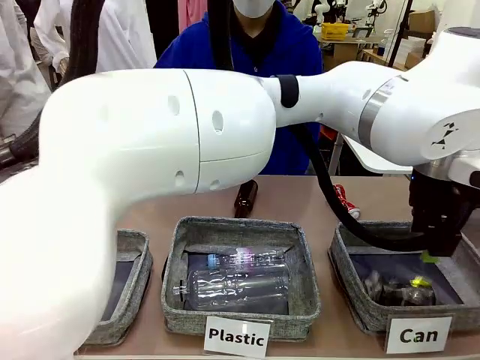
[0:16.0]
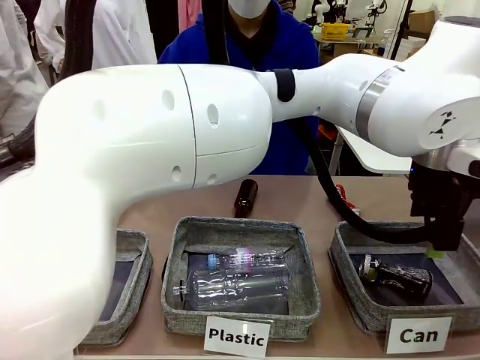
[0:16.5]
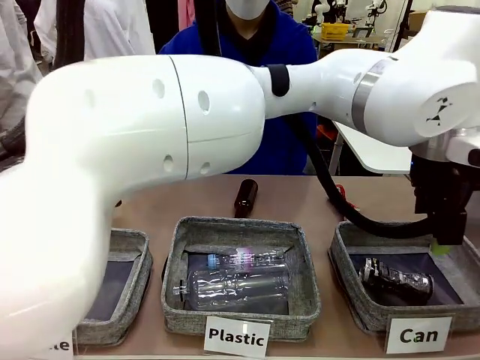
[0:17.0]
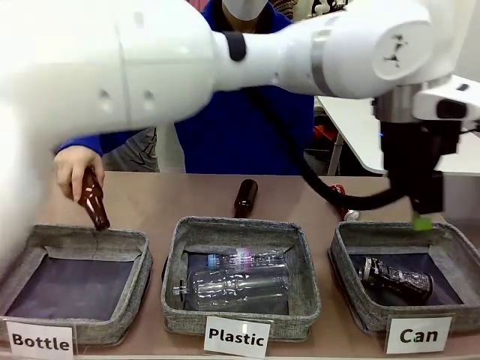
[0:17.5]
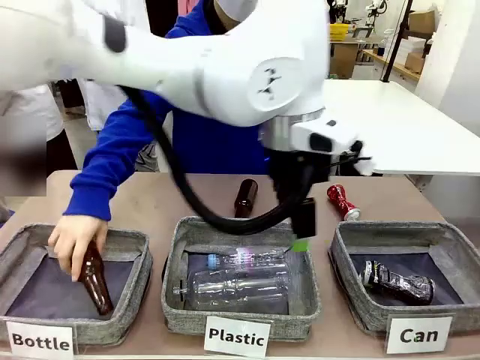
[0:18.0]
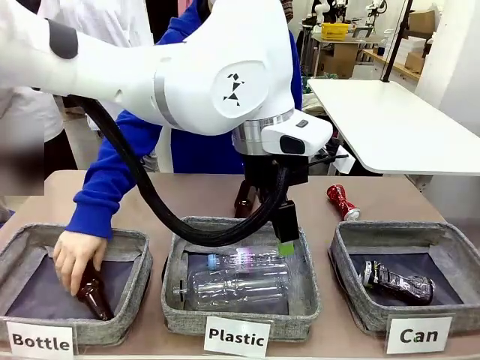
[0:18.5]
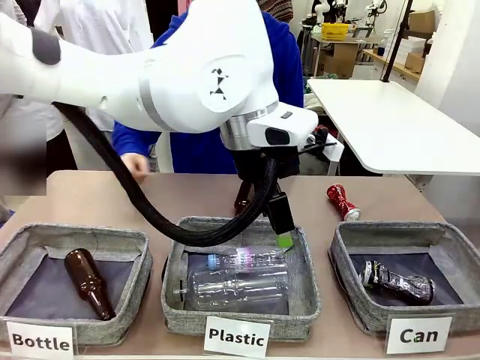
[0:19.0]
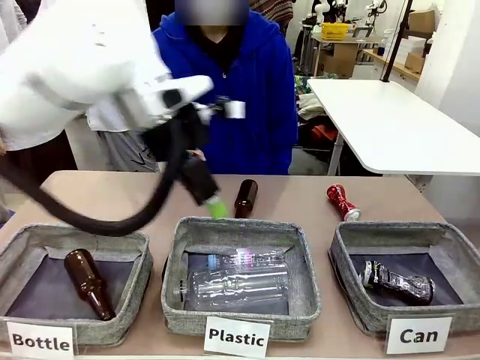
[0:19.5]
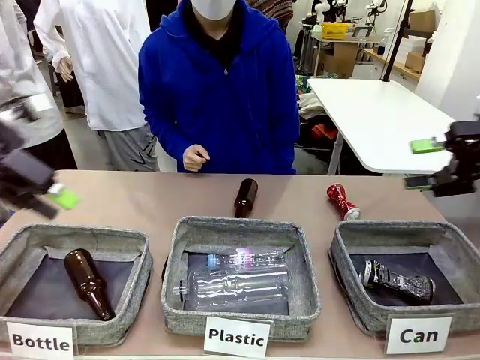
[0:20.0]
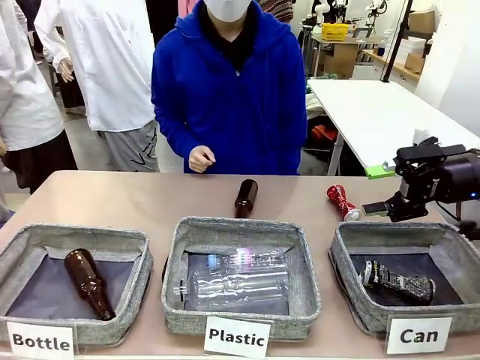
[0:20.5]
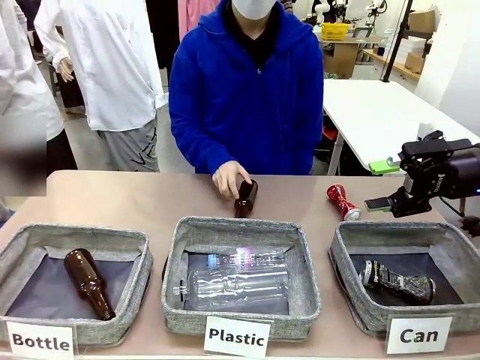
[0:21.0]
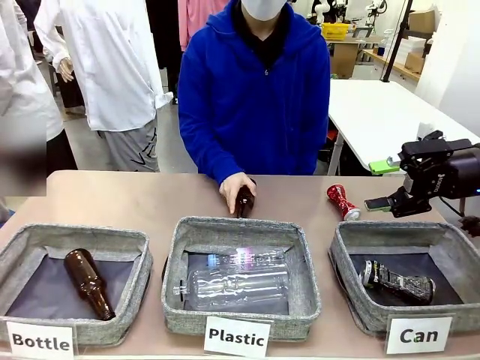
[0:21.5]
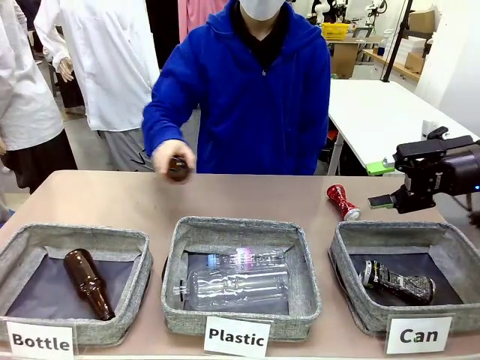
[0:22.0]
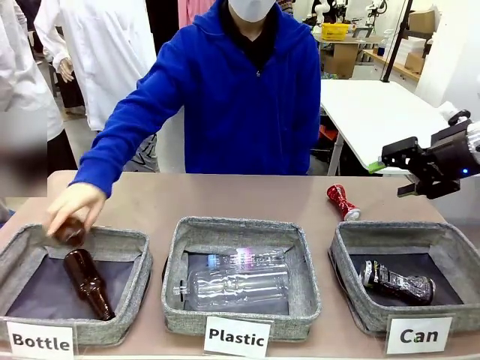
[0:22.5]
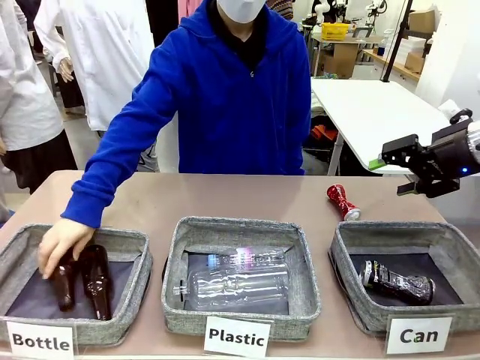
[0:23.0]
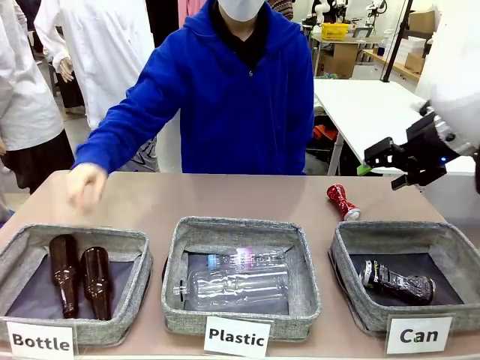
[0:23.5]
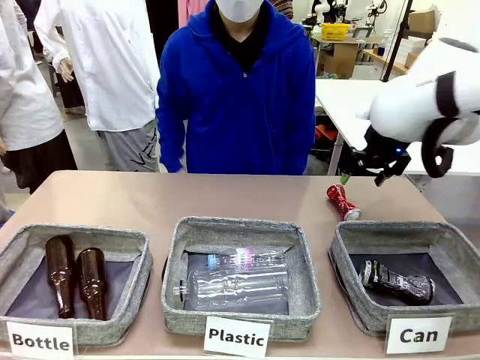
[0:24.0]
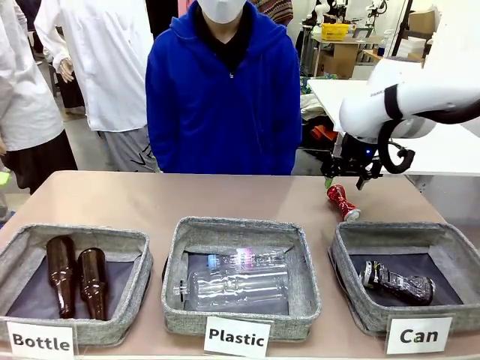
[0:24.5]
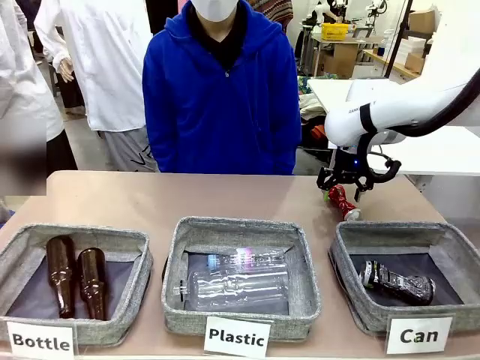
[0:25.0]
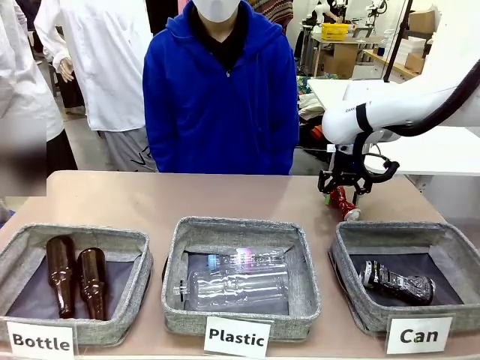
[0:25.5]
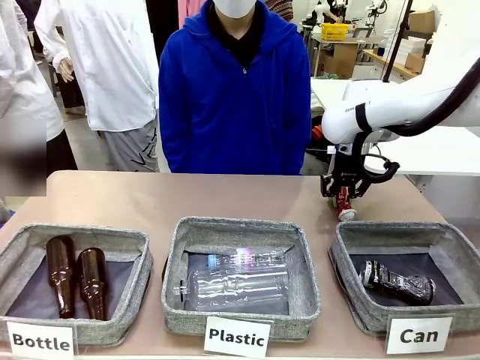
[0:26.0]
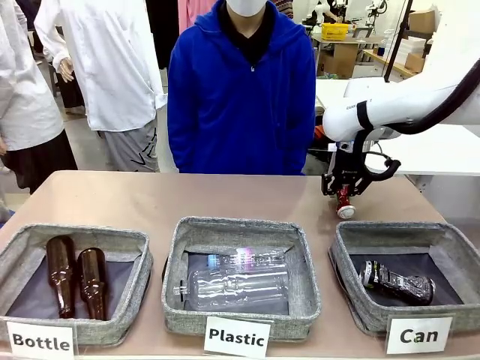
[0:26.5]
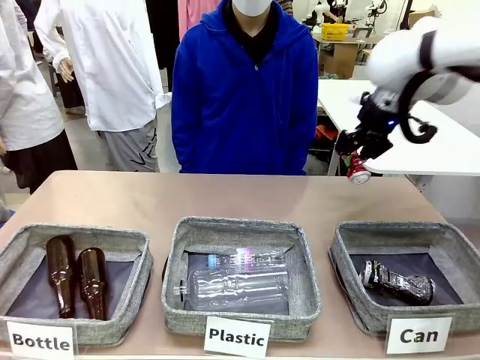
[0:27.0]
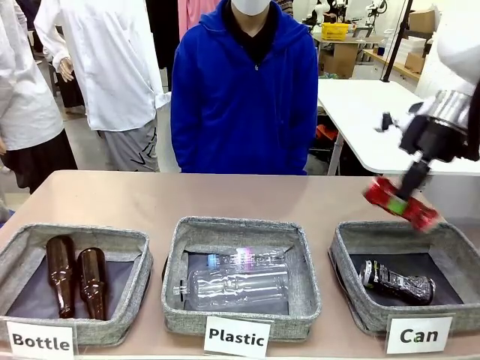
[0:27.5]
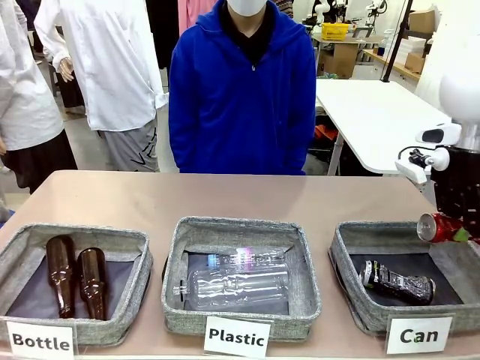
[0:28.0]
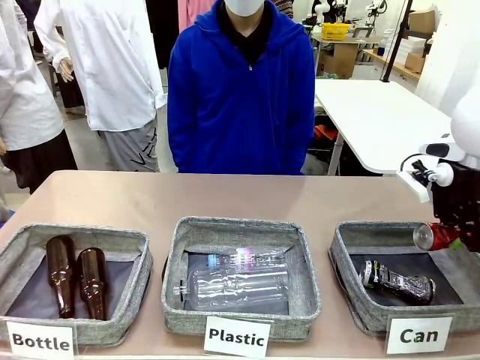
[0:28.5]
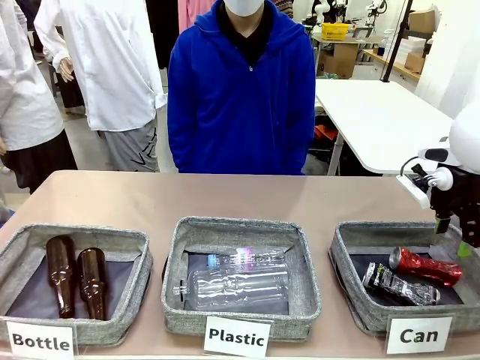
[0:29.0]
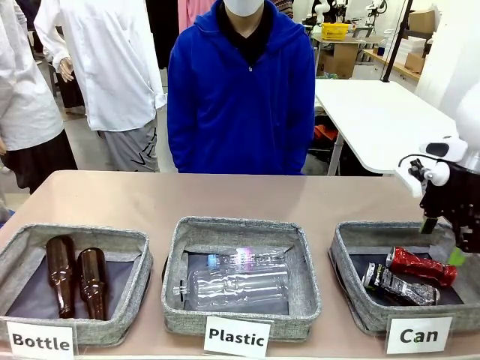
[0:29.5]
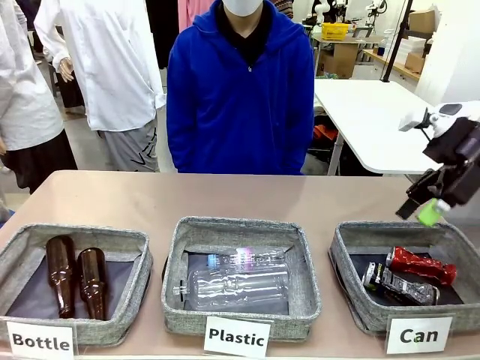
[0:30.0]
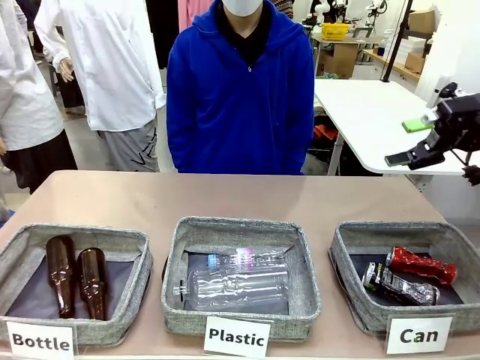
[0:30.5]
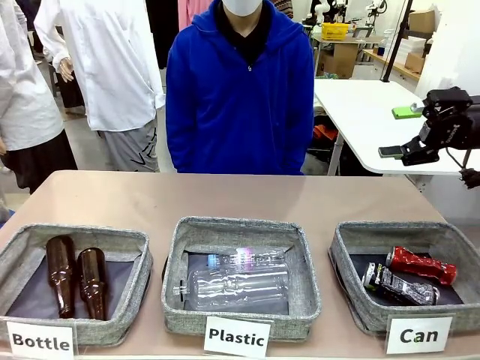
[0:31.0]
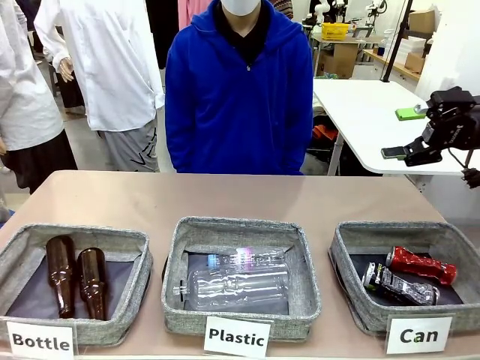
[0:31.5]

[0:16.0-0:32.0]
Task: Sort the can waste into the basket.
Robot: Pick up the can waste from the table and place it in the right Fabric basket.

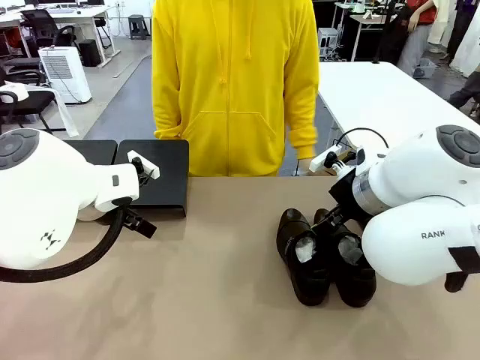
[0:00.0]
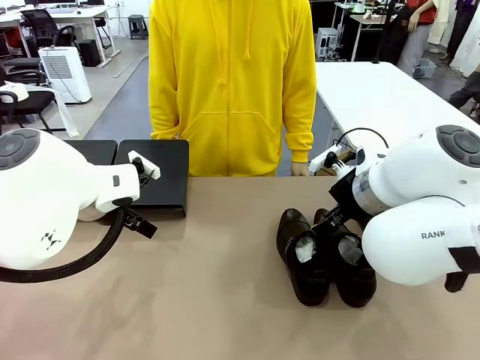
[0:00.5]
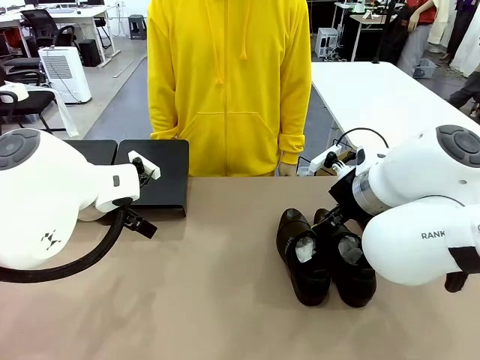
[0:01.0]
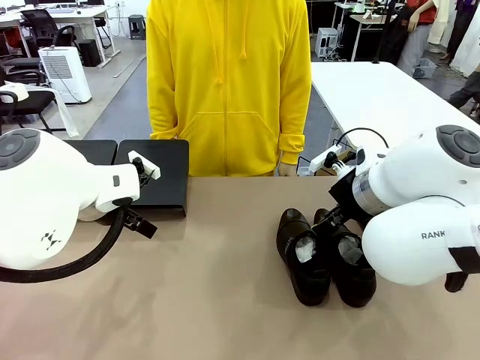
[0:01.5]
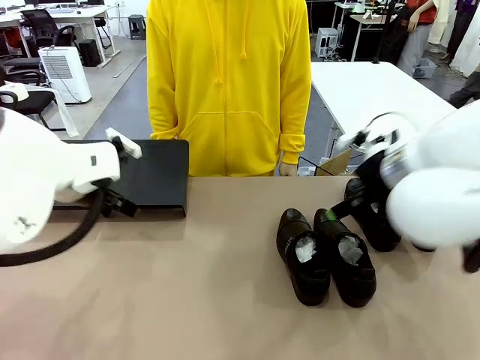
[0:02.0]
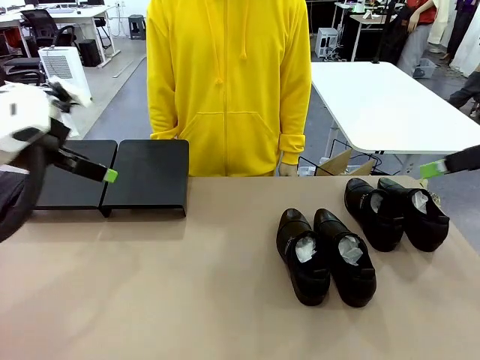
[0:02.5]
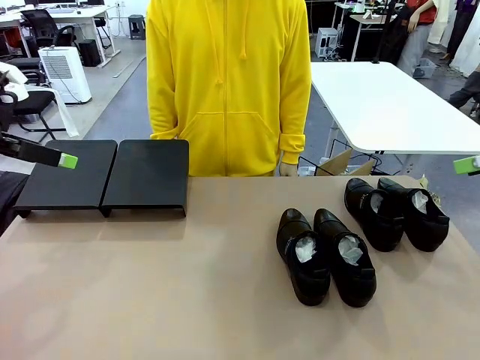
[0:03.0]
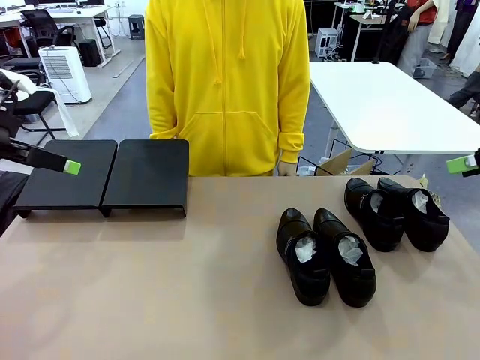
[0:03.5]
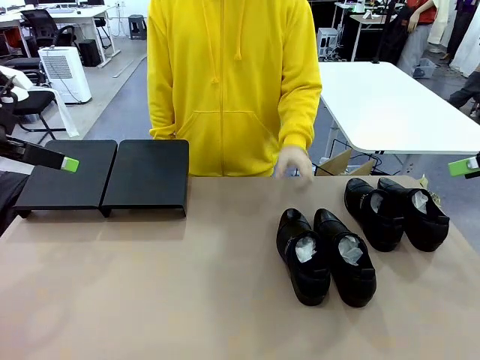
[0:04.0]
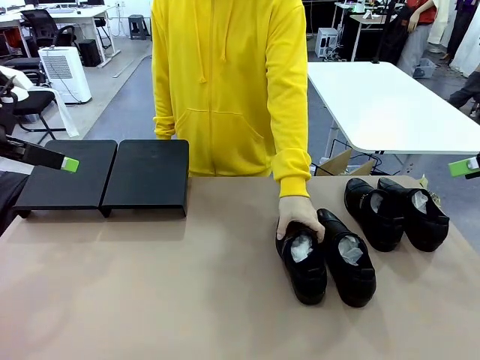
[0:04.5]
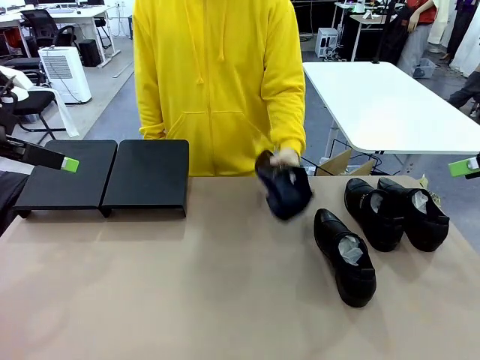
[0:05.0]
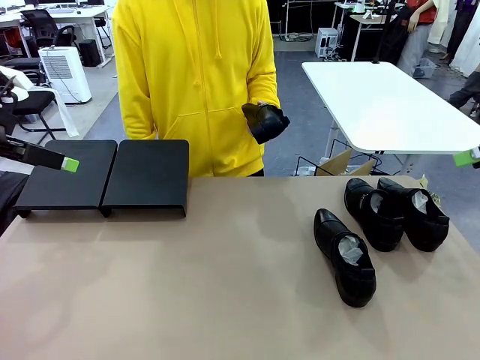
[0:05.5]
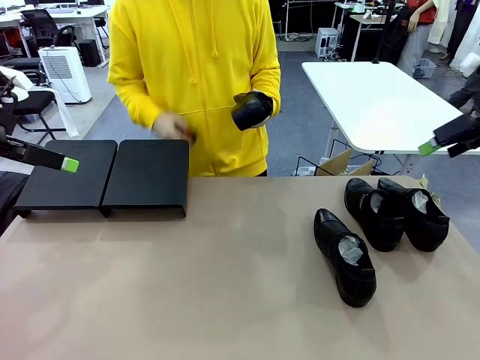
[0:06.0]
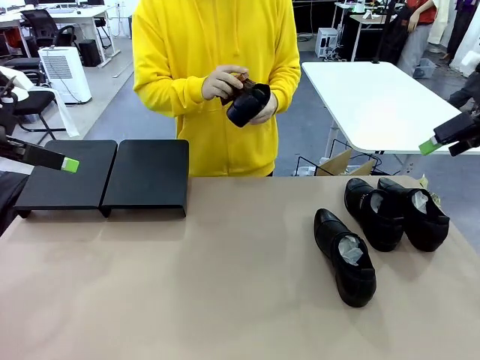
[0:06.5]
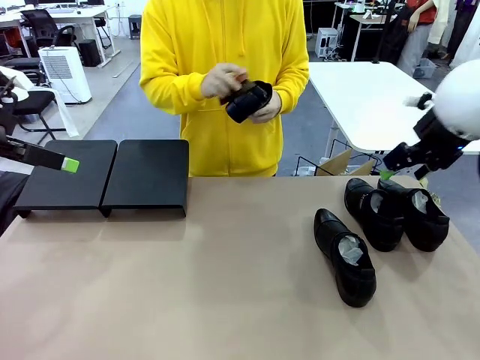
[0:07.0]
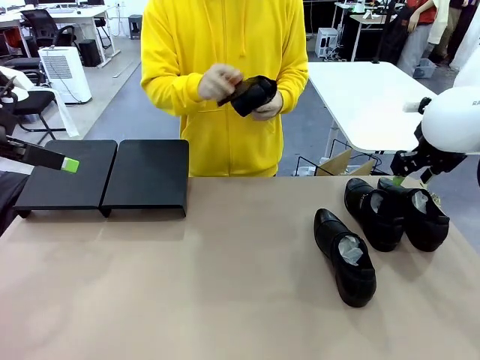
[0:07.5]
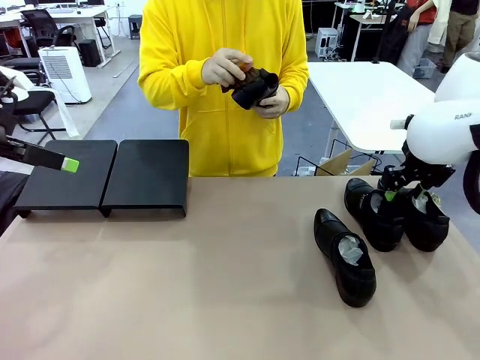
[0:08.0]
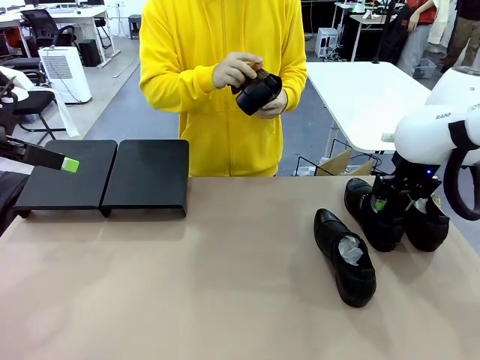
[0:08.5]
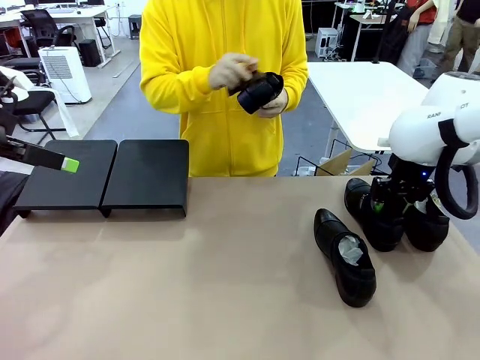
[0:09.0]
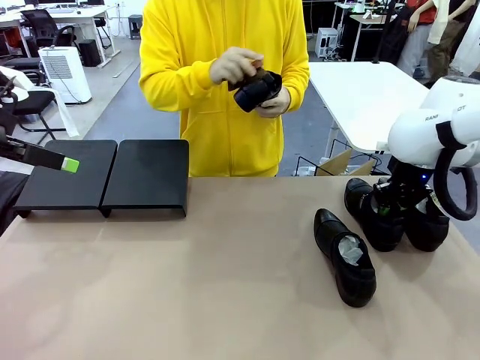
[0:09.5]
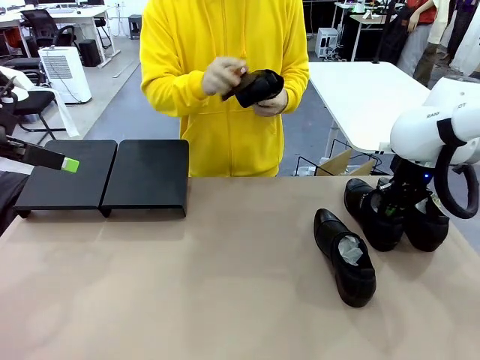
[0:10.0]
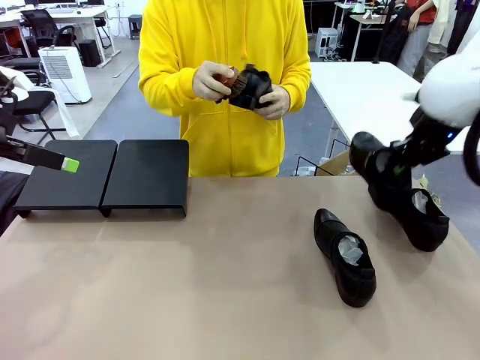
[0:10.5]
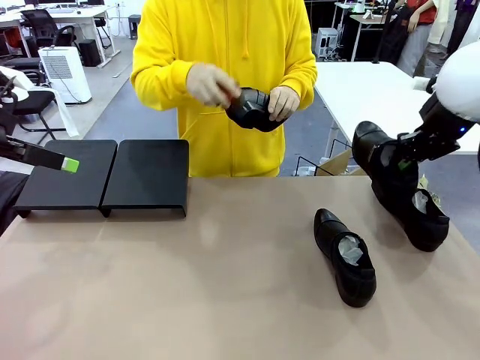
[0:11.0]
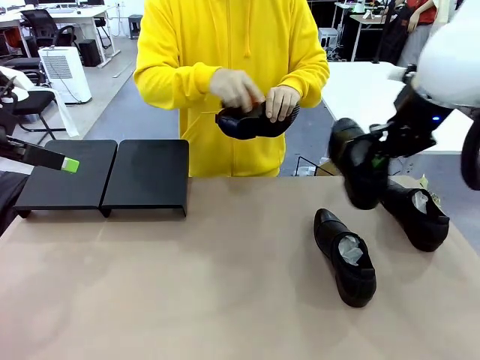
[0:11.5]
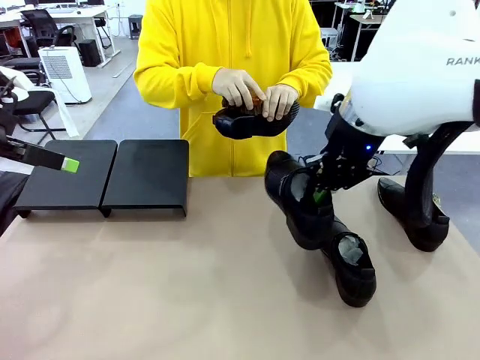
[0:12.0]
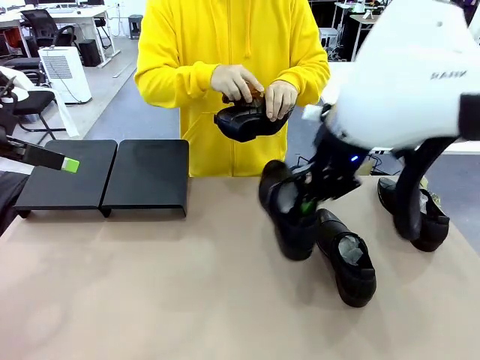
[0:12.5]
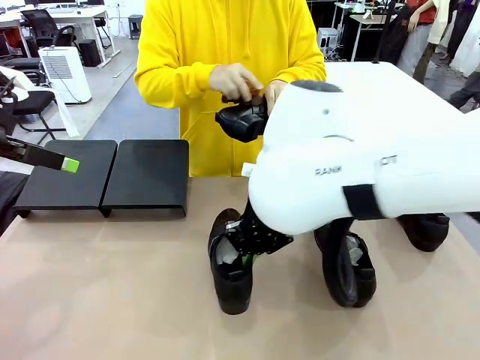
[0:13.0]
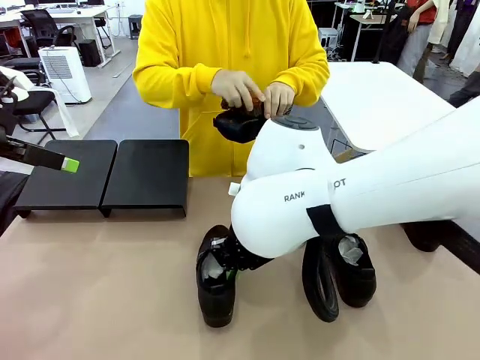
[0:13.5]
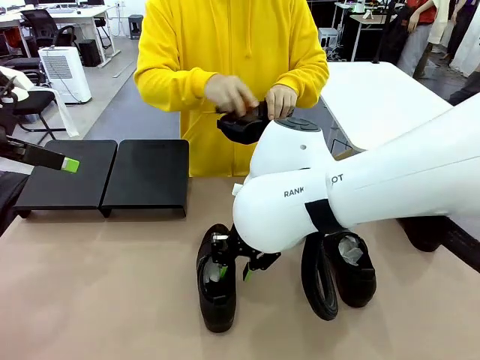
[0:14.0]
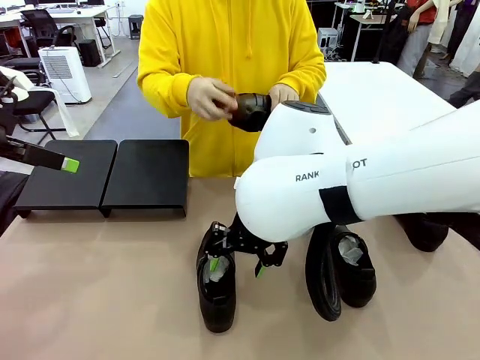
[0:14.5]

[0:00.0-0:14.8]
Task: Organize the shoes by placing them on the stand.
Robot: Pick up one Shoe and place it in the middle of the table.
Person: Pick one Shoe on Robot's table.
